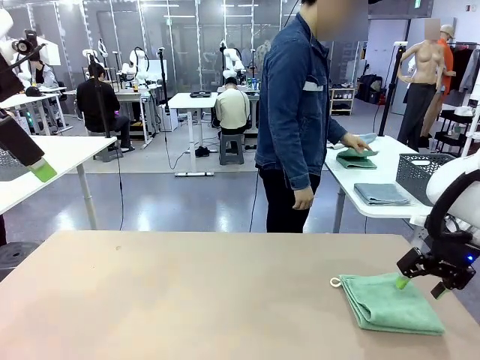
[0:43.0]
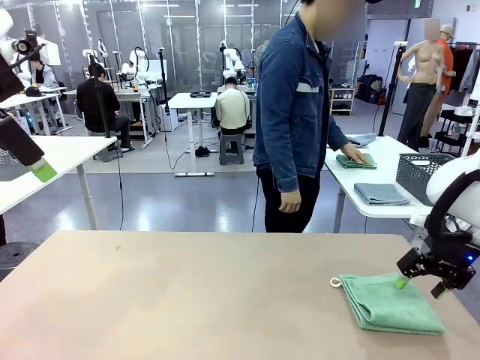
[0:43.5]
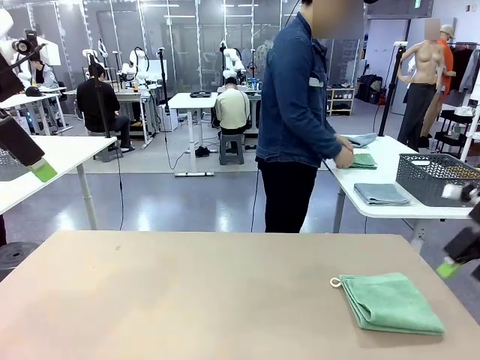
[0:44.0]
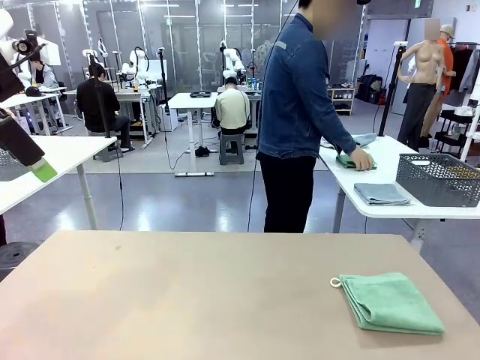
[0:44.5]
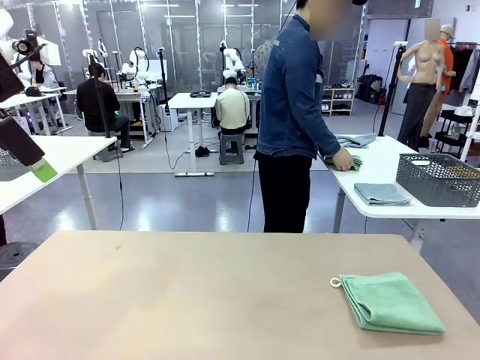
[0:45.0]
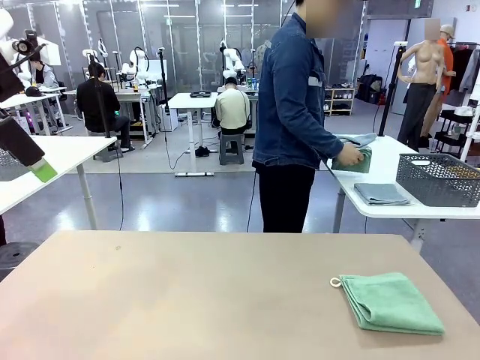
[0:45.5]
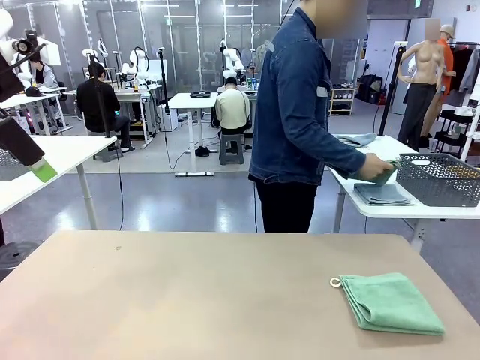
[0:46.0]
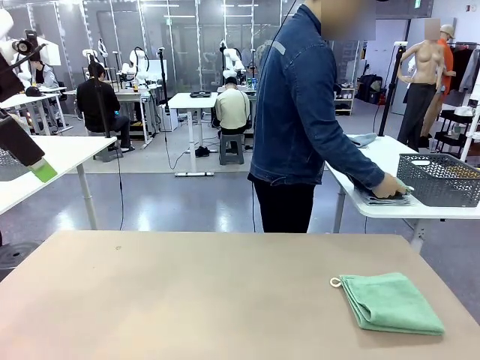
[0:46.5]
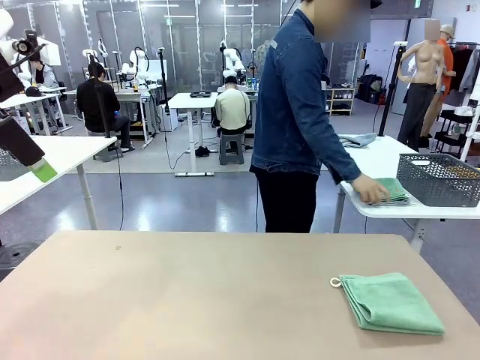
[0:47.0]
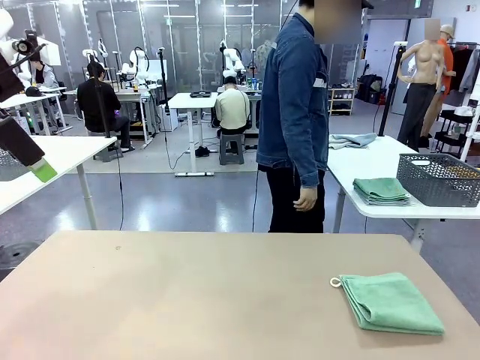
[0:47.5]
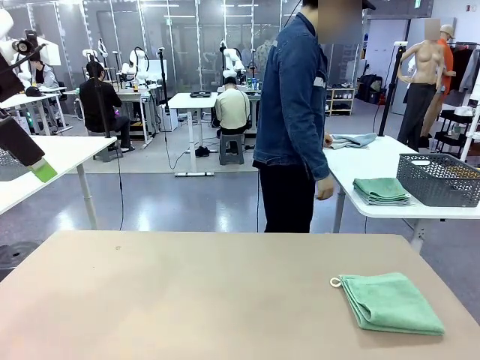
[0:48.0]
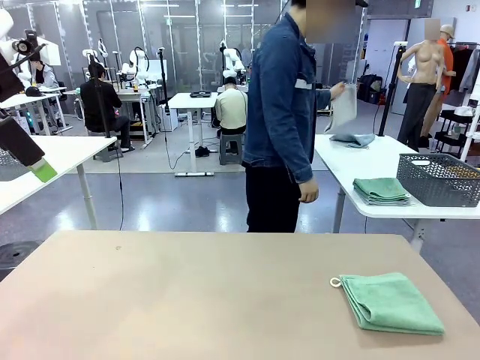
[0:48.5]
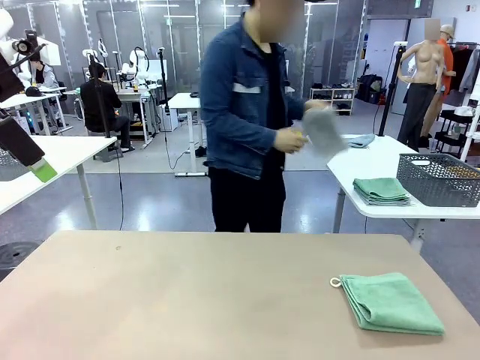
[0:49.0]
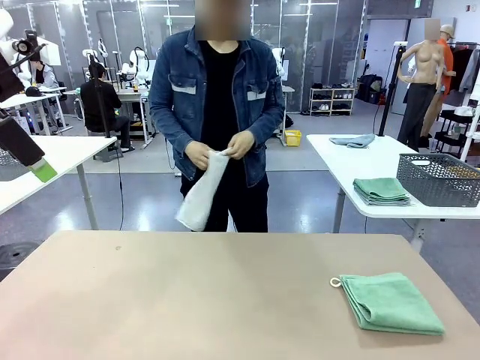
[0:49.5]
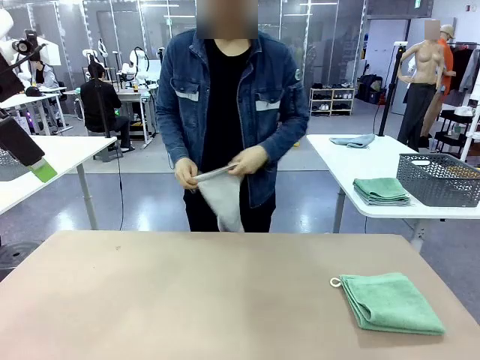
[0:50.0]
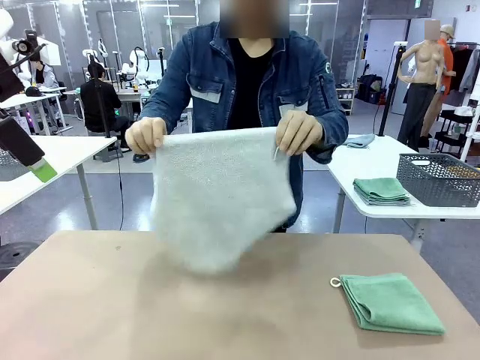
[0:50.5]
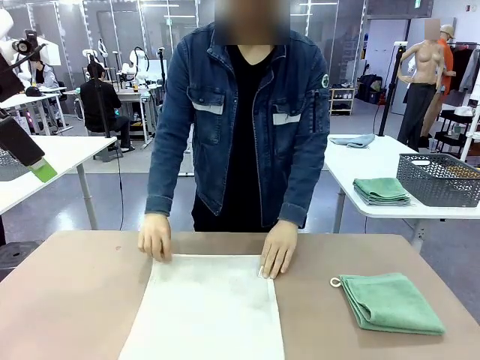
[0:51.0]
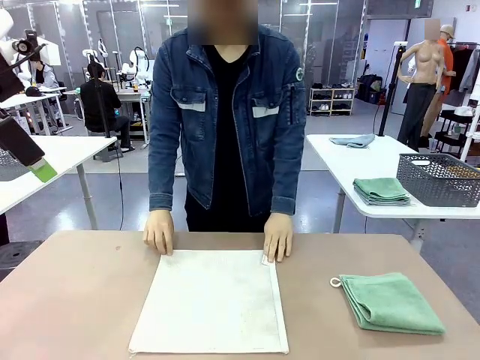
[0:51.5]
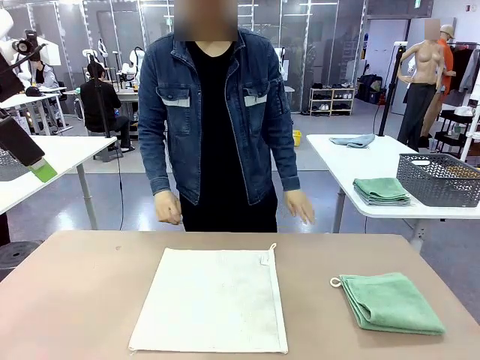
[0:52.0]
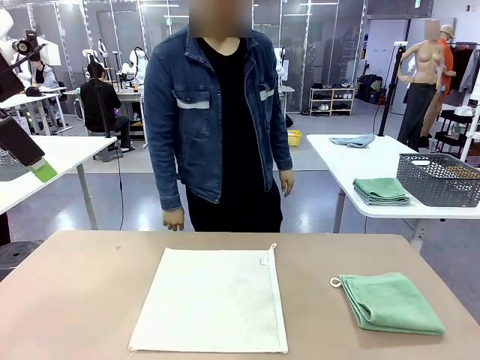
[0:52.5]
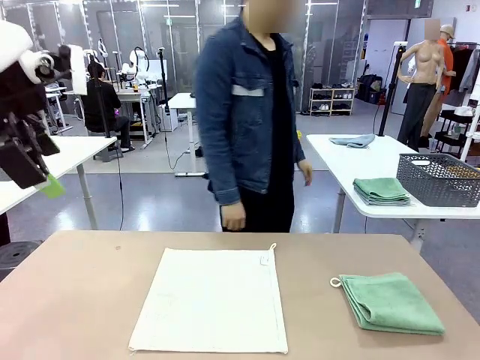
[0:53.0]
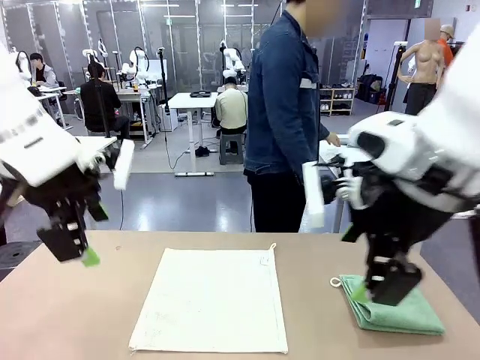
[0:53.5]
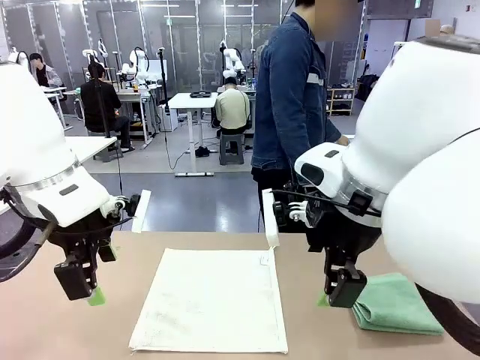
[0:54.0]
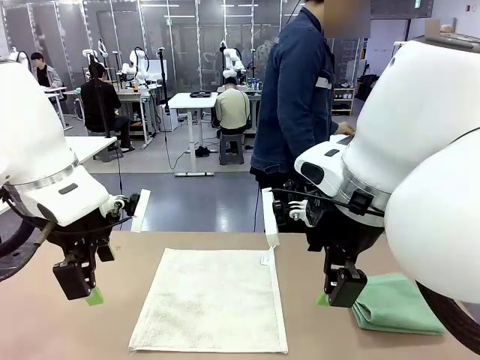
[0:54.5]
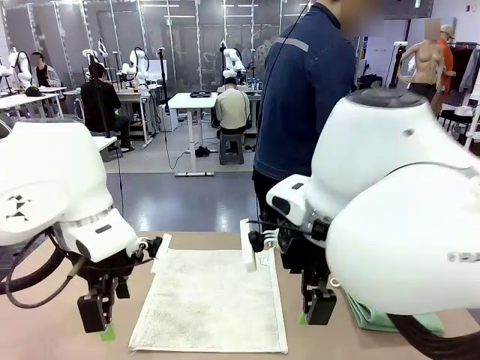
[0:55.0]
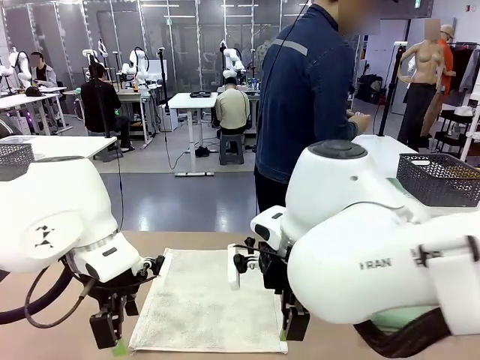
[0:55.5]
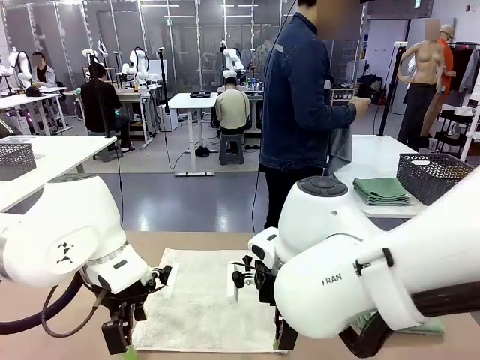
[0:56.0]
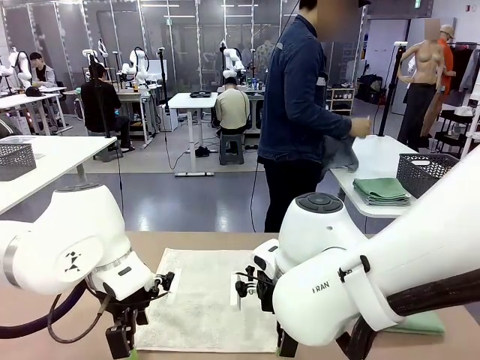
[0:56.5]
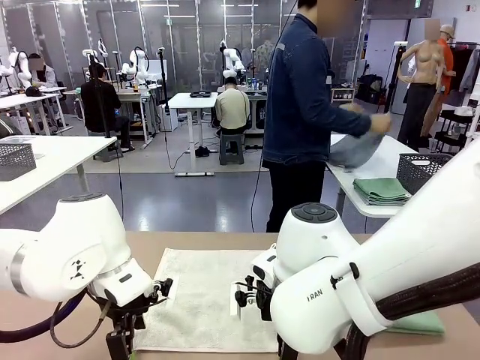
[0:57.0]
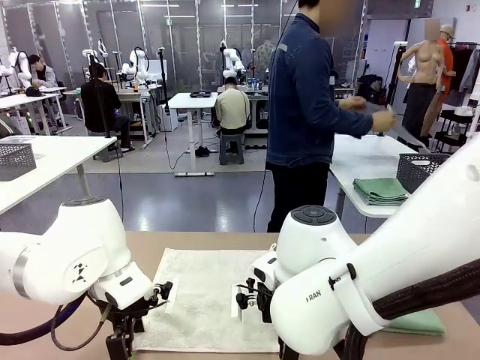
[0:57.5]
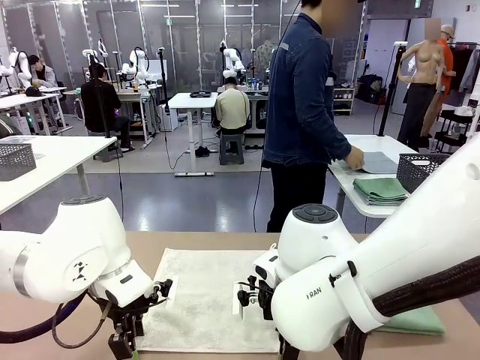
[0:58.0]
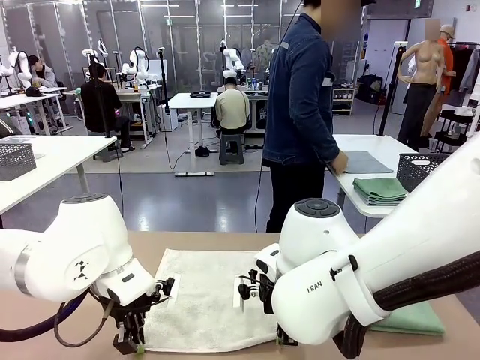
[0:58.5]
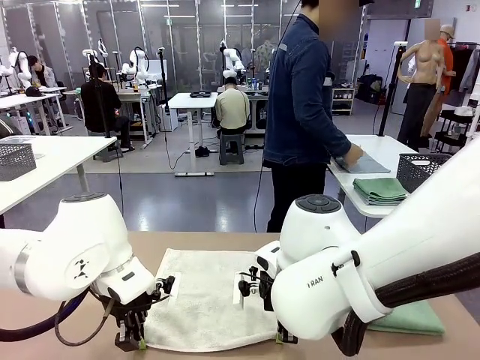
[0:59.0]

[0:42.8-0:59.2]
Task: Fold the towels and place them in the basket.
Robot: When a person lays out a Towel with hook on the table, fold it in half twice.
Person: Pick up one towel from the left side of the human table and spread it out at the center of the robot table.

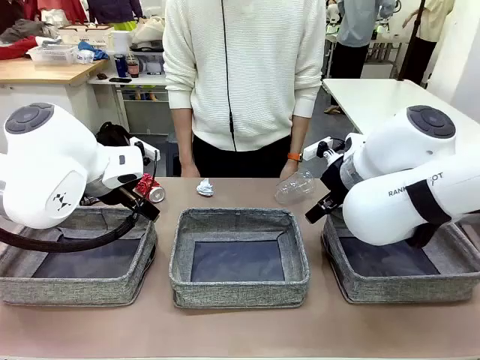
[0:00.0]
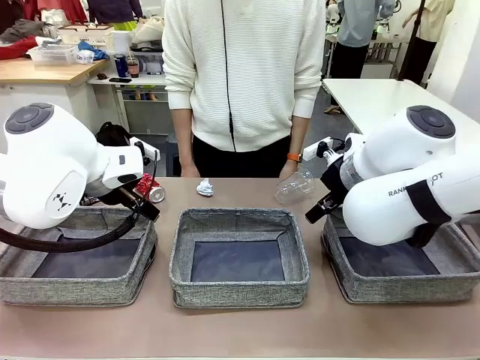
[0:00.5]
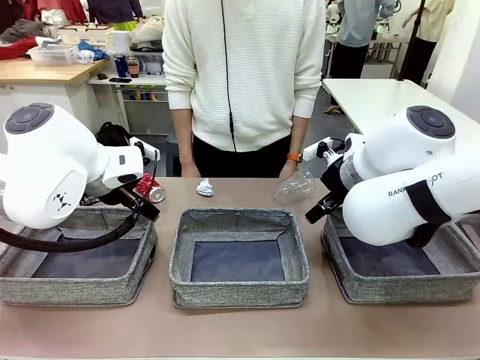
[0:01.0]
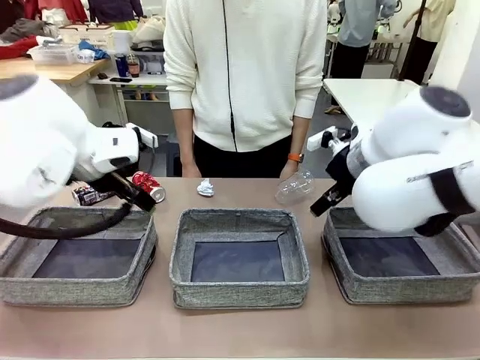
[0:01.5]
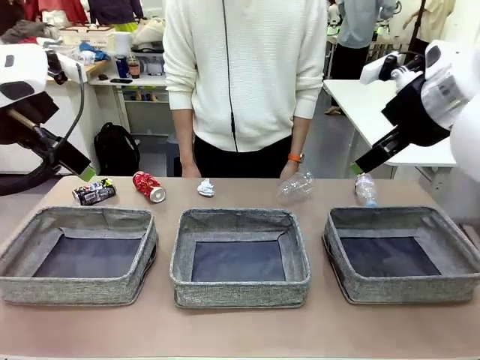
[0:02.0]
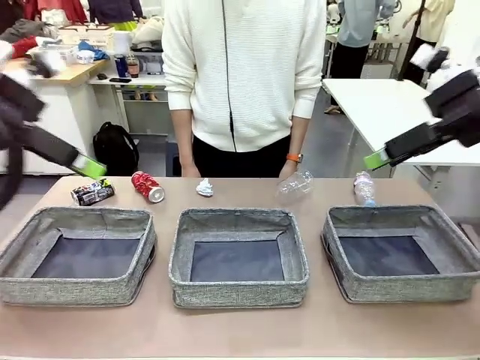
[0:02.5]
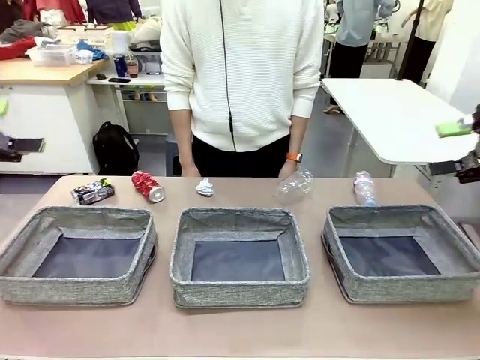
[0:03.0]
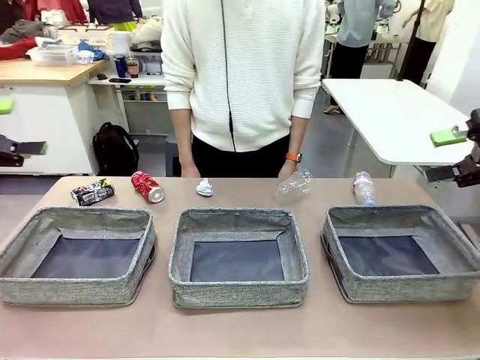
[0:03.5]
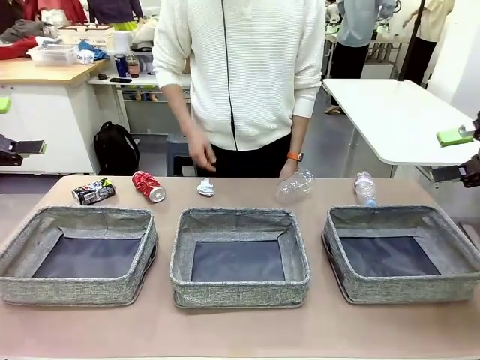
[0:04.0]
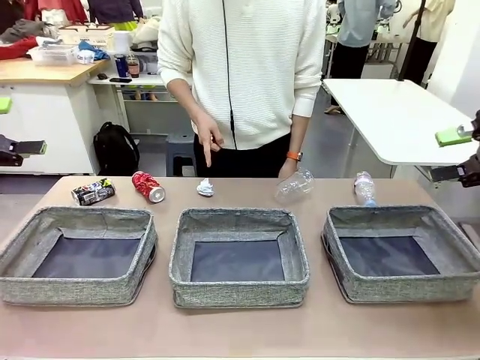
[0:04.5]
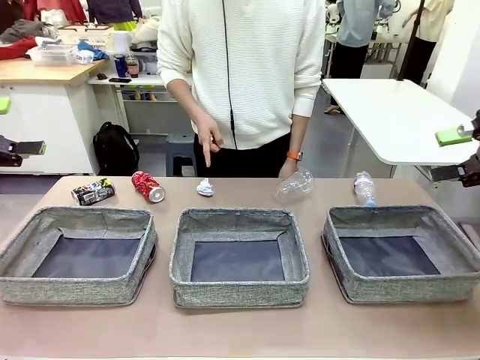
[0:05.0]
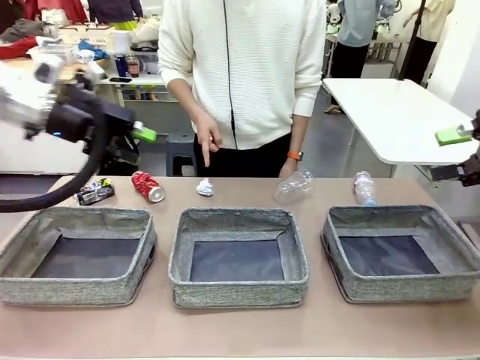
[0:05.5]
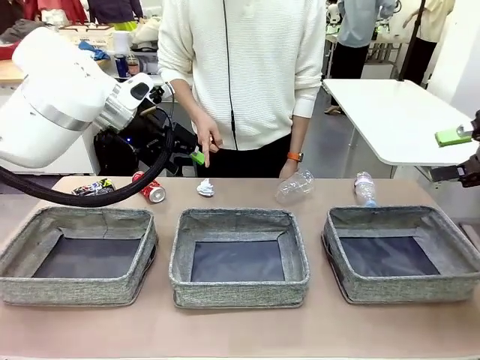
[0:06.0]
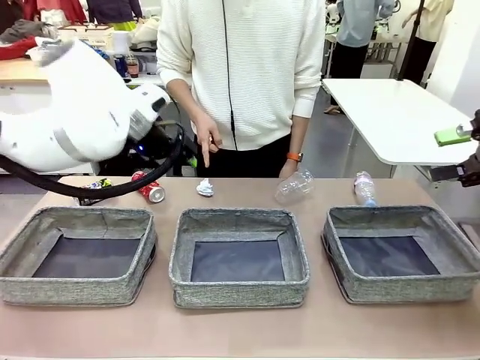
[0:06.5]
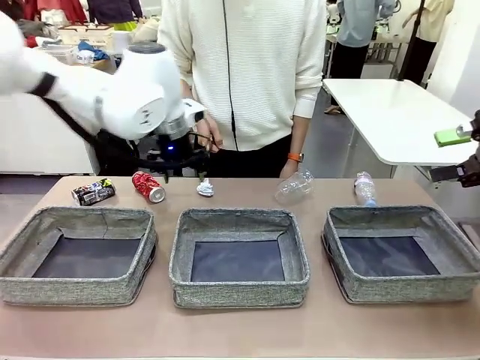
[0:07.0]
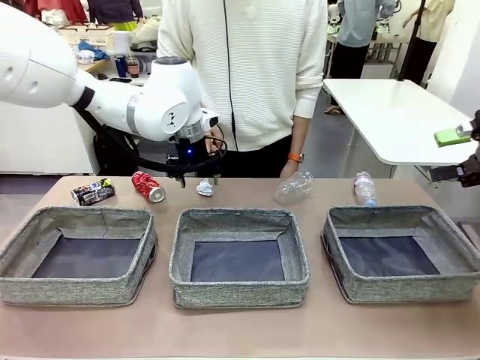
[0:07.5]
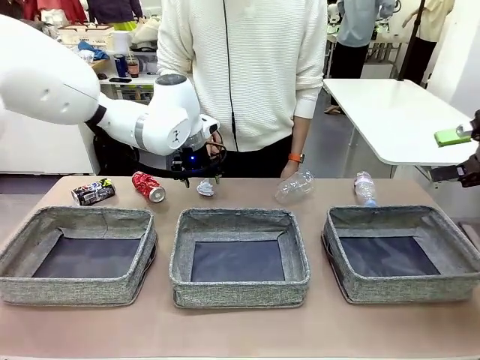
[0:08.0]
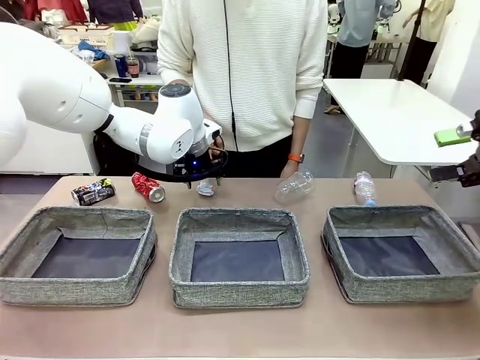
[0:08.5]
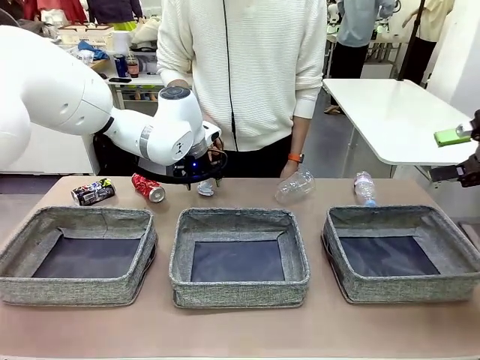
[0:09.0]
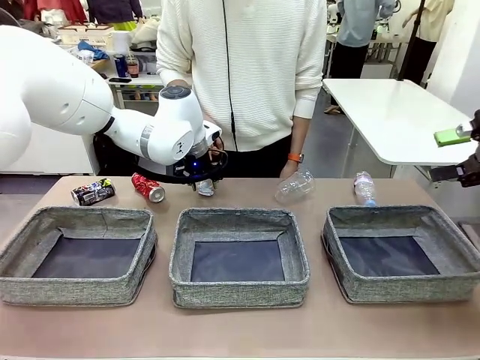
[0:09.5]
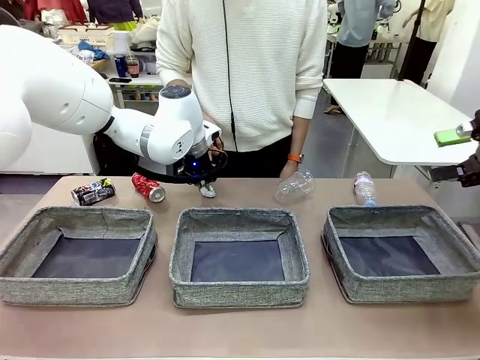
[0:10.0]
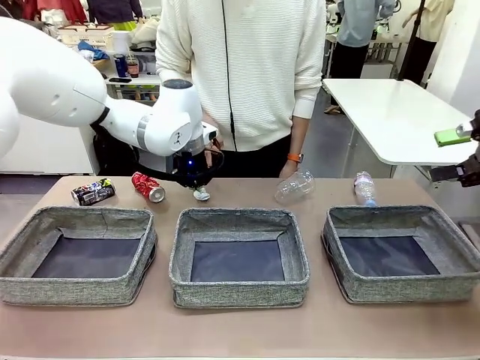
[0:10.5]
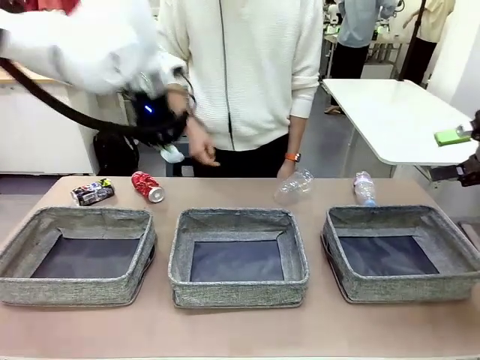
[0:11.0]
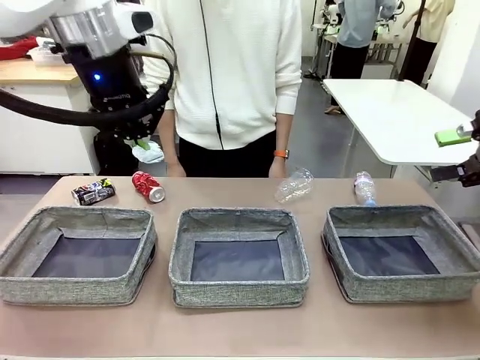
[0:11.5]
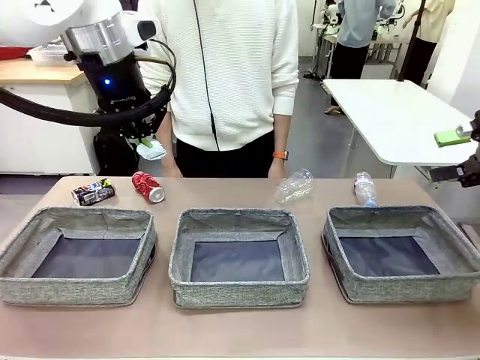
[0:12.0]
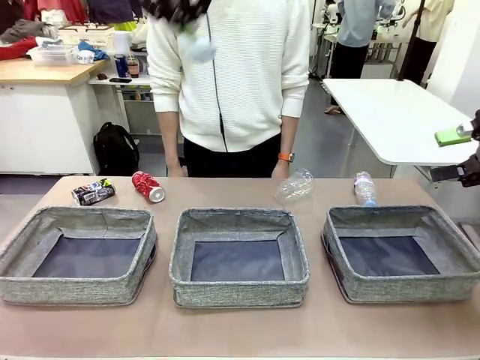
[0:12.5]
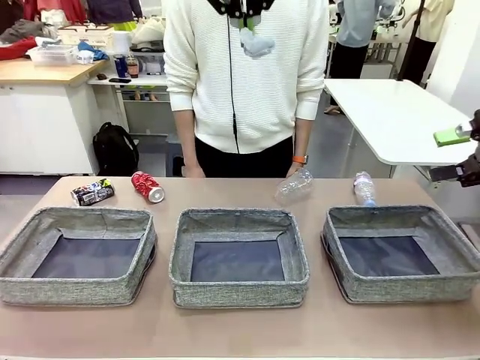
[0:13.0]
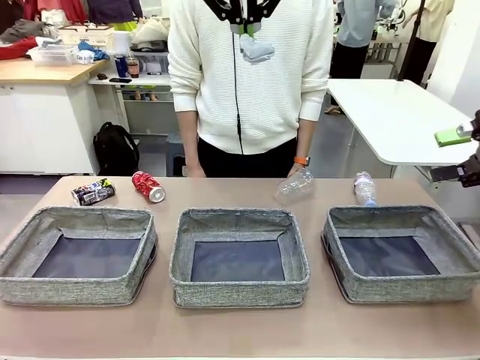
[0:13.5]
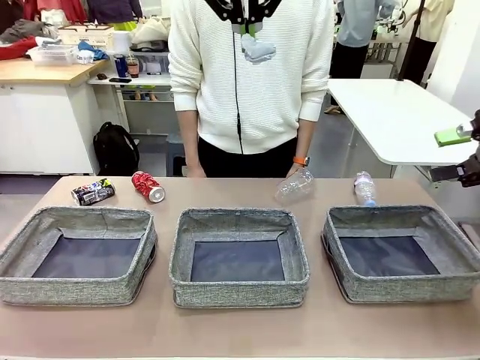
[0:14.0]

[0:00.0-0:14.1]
Task: Sort the waste into the appropriate baskets.
Robot: Pick up the waste item pointed out by the person.
Person: Points to one piece of trash on the table.
